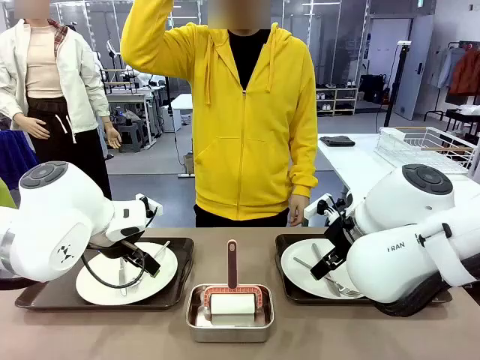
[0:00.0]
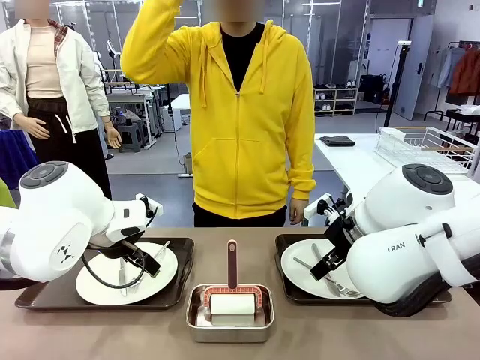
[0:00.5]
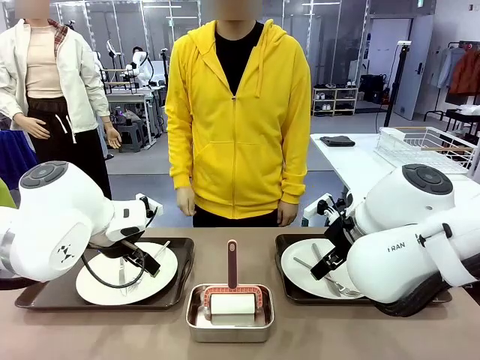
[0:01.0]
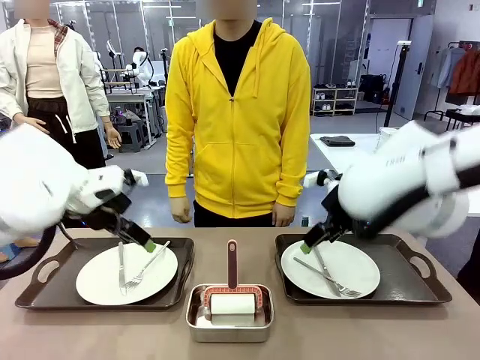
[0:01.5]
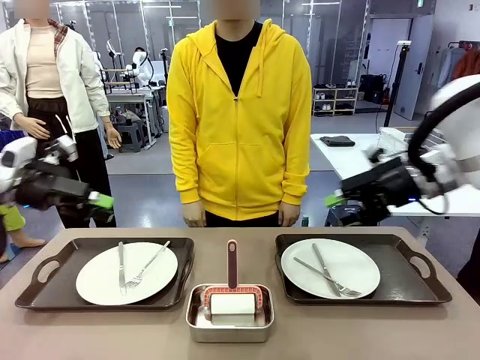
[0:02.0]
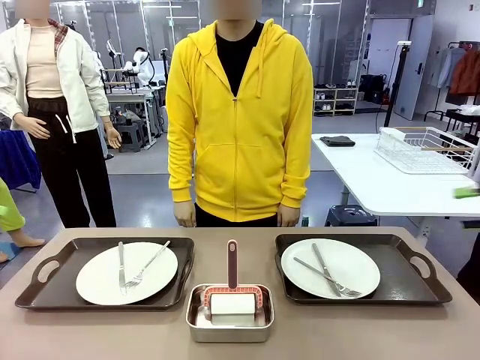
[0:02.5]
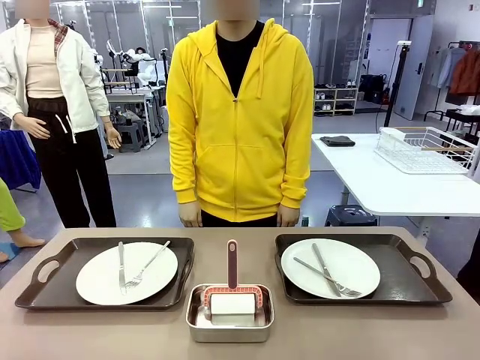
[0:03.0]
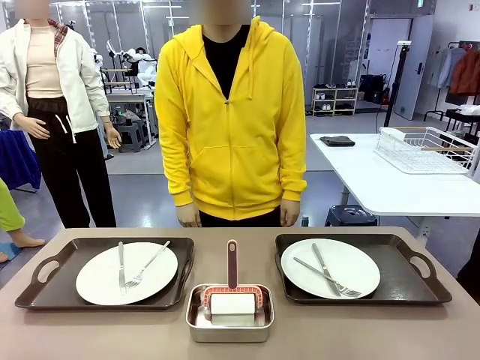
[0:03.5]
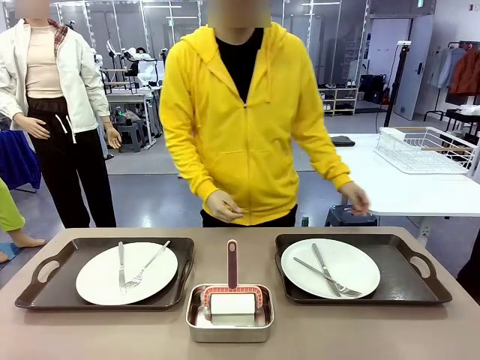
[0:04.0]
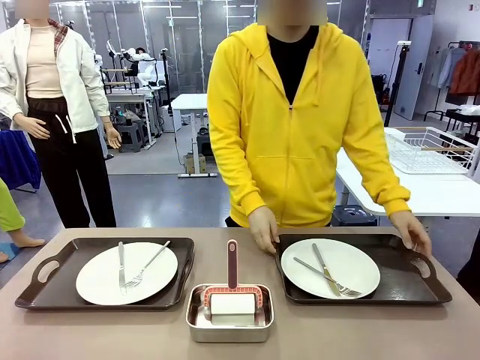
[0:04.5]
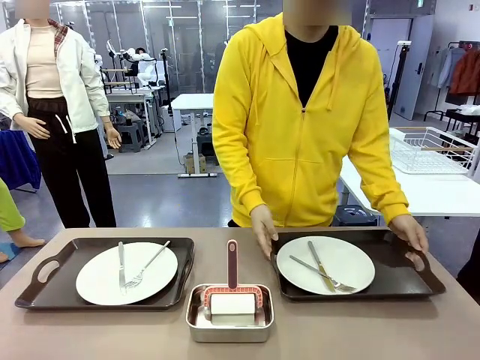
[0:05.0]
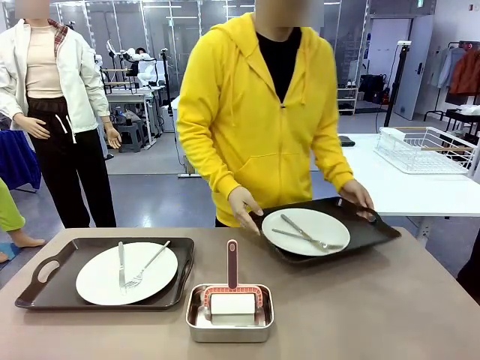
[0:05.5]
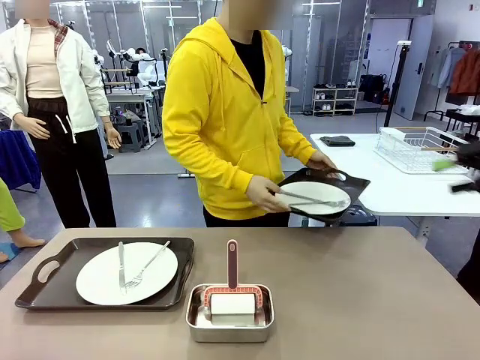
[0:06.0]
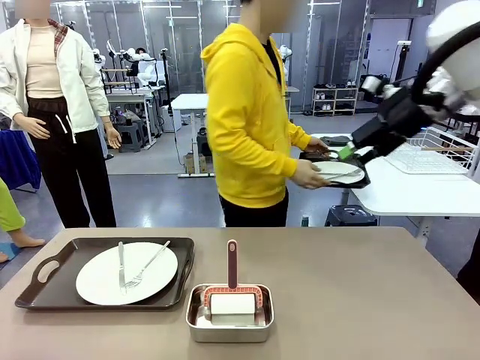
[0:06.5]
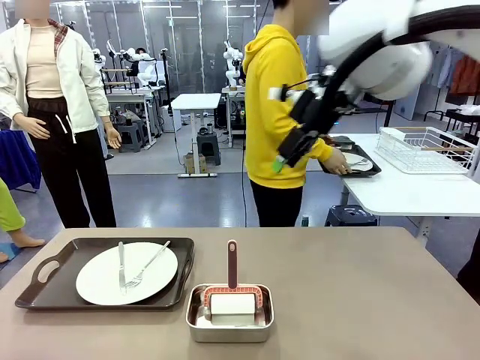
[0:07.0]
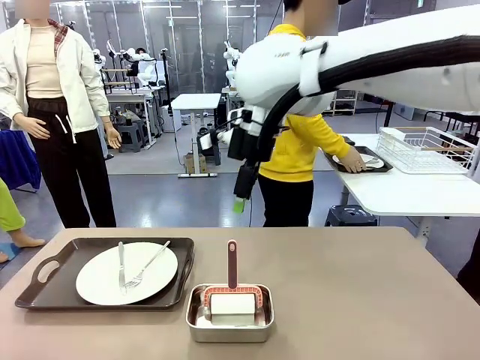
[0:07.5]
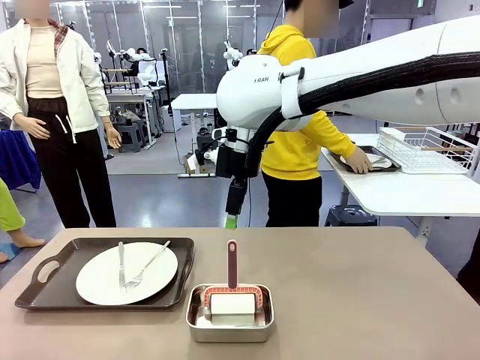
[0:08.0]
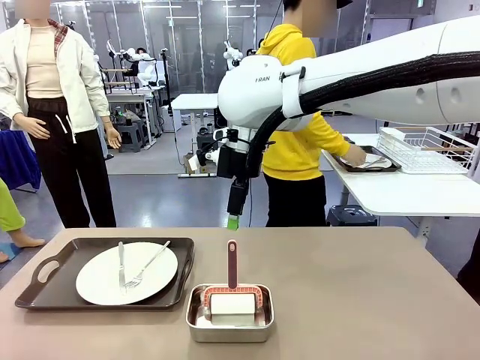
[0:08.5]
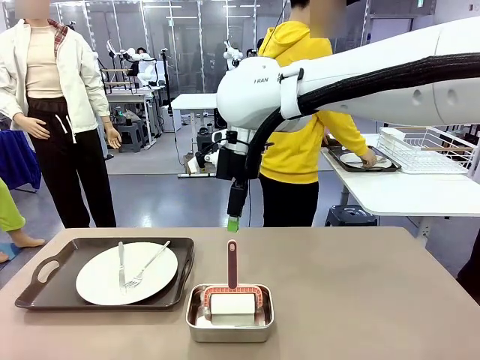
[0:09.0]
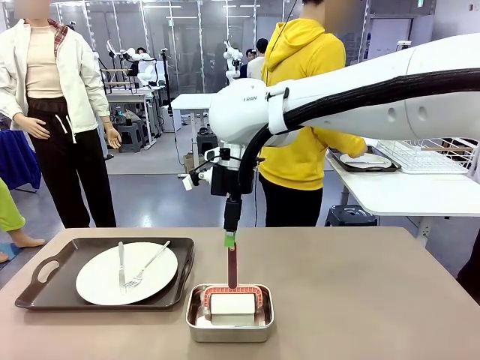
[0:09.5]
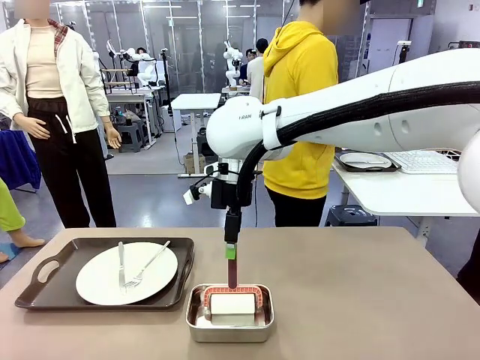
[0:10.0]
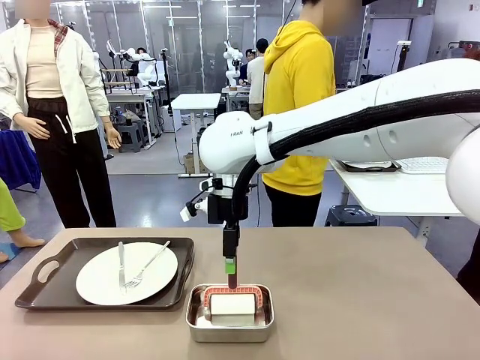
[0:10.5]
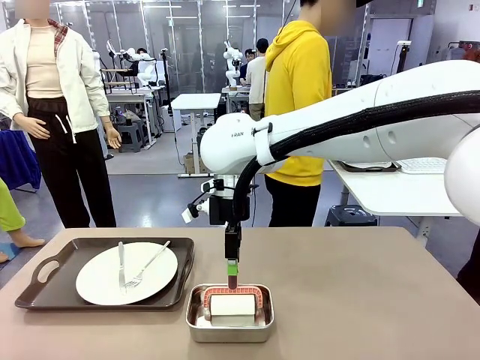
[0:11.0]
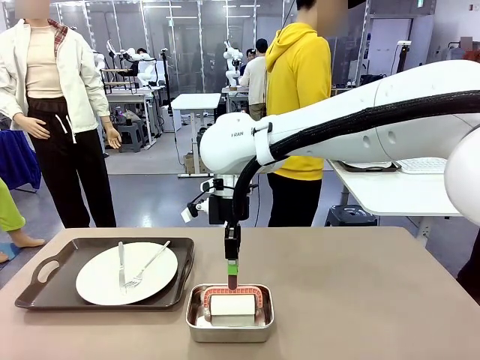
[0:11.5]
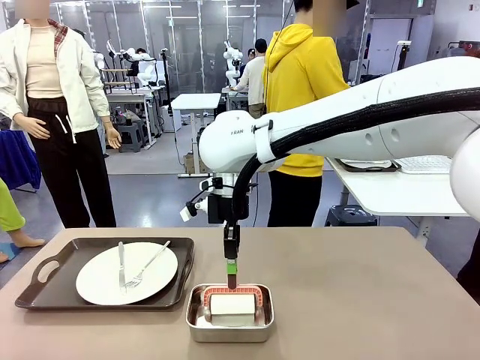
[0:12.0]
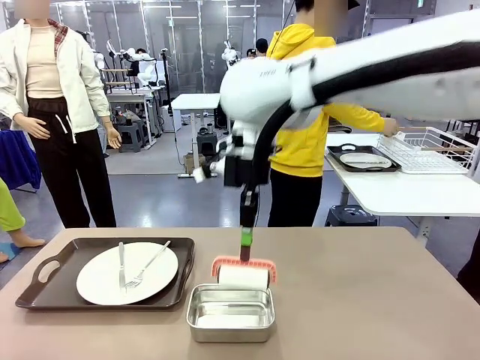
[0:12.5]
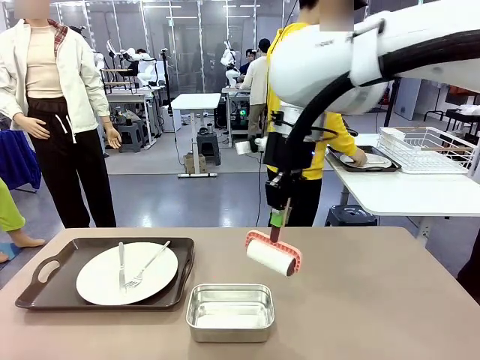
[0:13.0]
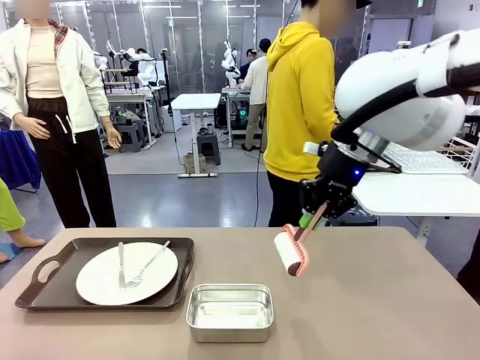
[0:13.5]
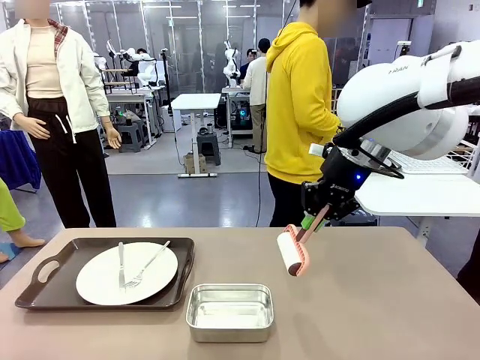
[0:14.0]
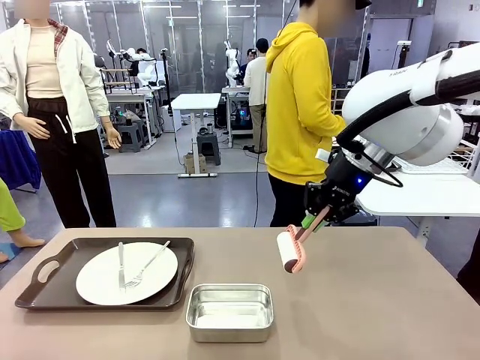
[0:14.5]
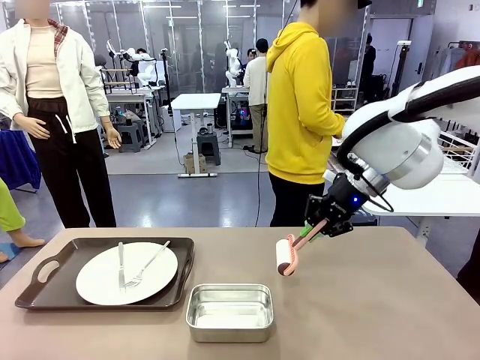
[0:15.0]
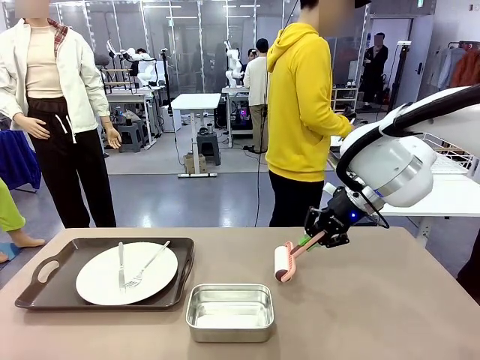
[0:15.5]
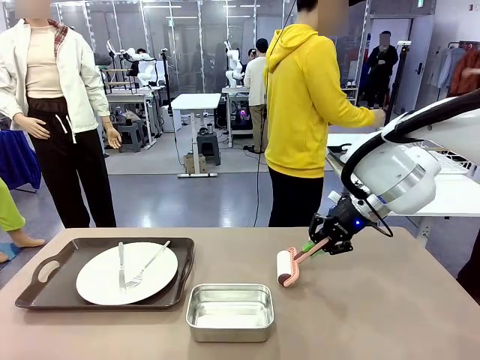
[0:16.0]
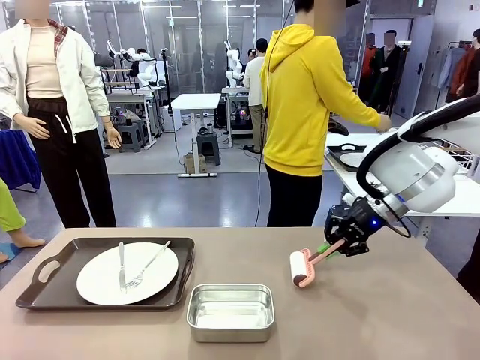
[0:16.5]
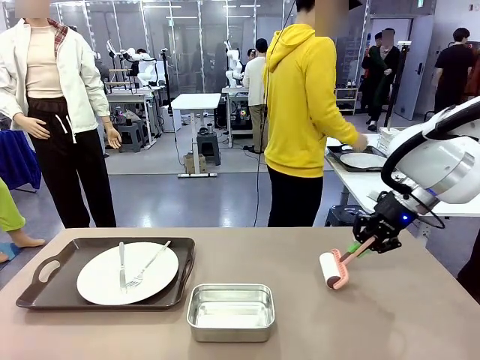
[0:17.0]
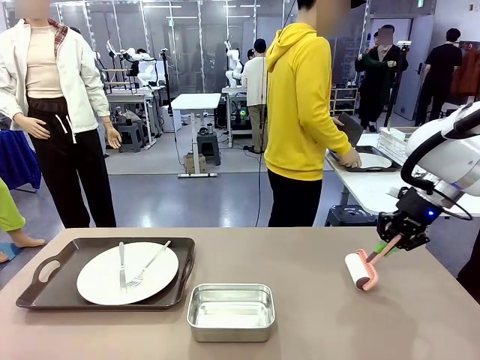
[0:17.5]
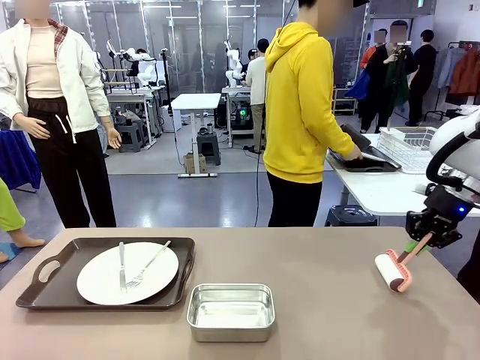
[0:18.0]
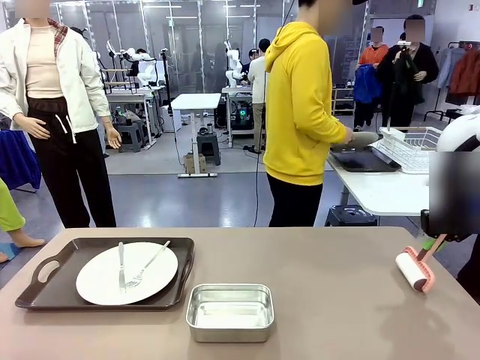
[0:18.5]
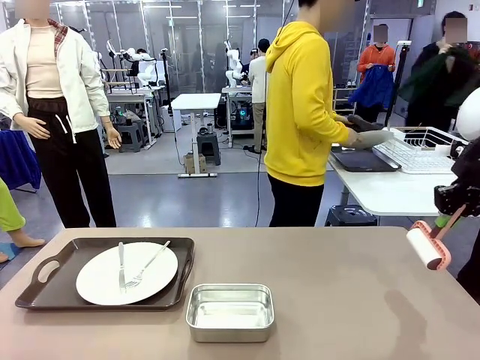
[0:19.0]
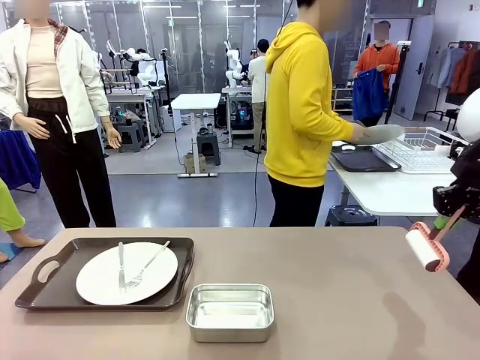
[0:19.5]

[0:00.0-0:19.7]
Robot: When the left (or right) Handle tray is removed, use the left hand (or right hand) to clean the left (or right) side of the table with the Lint Roller.
Person: Pick up the left (or right) Handle tray and place it on the middle of the Human's table. Use the Towel with hook to wipe the Plastic Matte Plate , Fork , and Knife and place into the Dish drying rack.

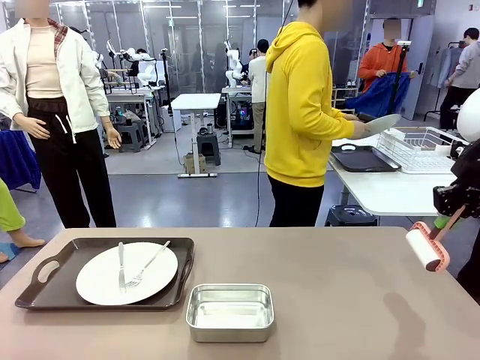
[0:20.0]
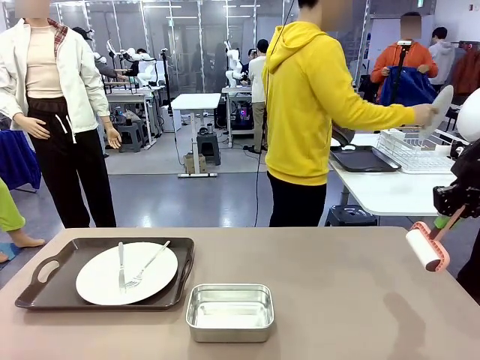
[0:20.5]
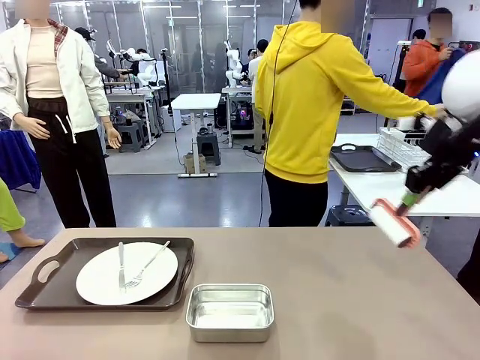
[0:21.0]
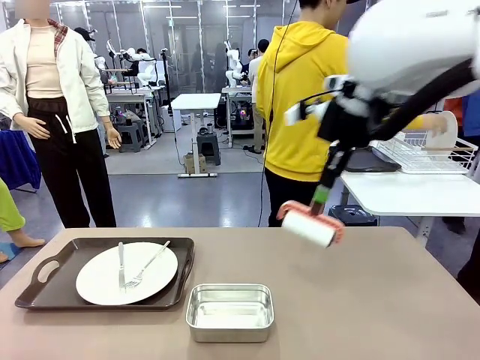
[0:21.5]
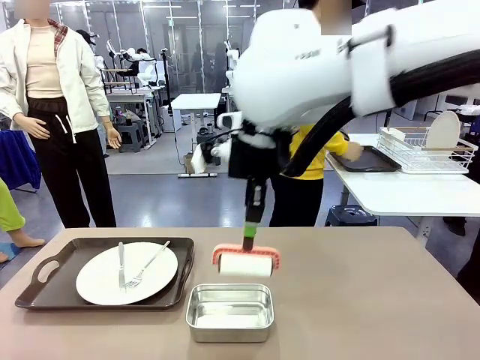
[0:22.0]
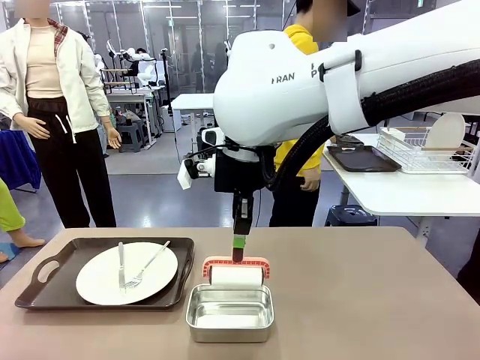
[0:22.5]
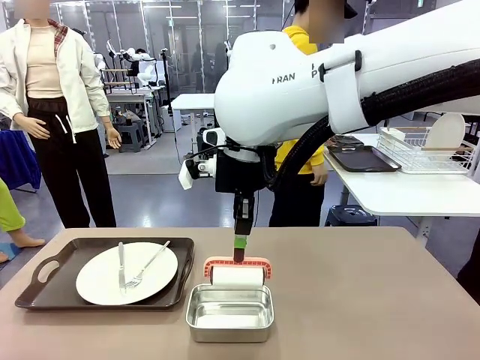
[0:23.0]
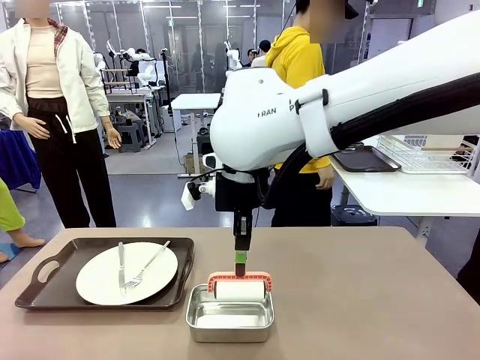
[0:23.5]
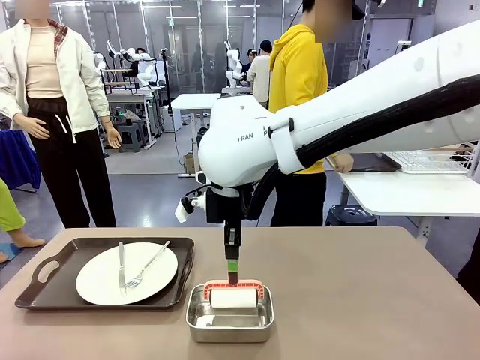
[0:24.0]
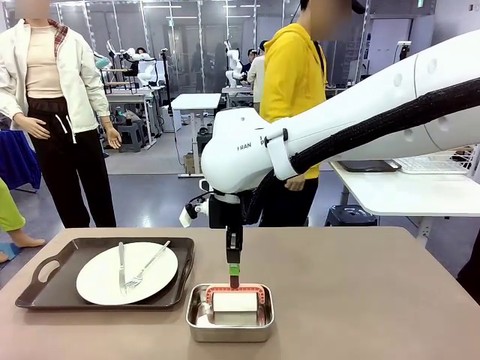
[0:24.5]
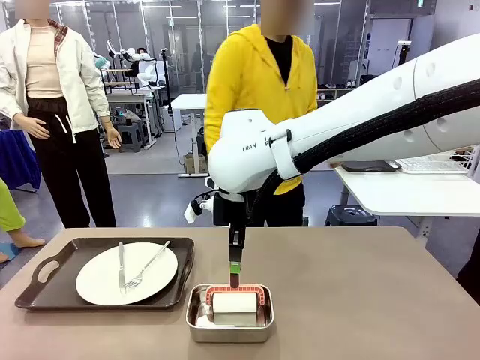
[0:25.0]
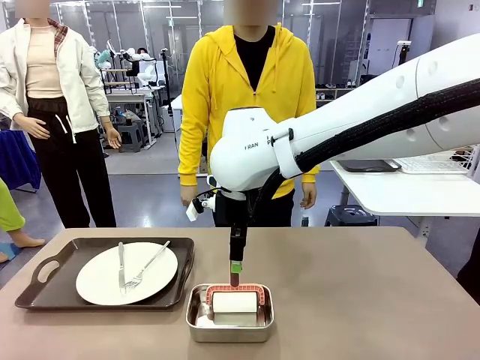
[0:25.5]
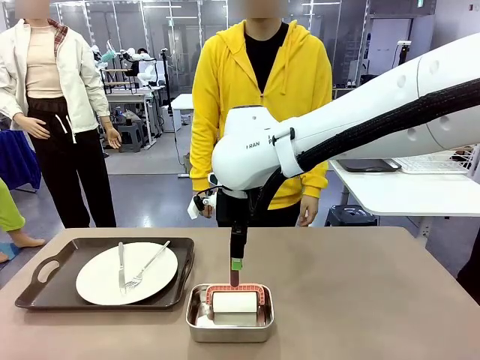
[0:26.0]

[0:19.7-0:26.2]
Robot: Place the Lint Roller back on top of the Airtight Container.
